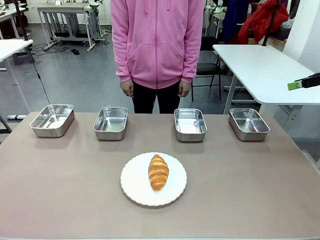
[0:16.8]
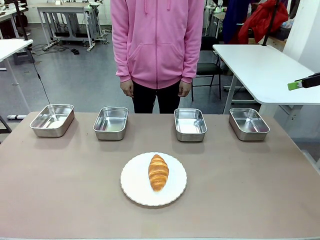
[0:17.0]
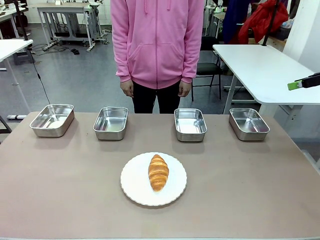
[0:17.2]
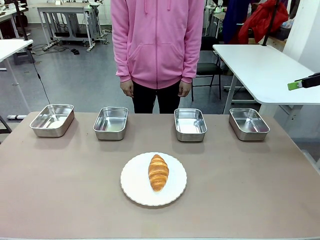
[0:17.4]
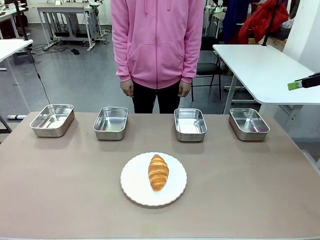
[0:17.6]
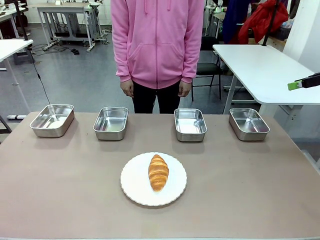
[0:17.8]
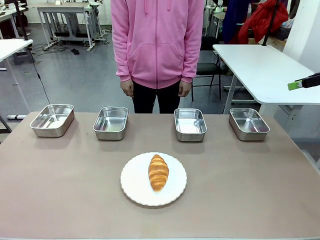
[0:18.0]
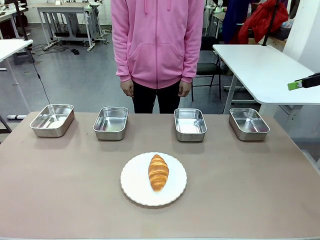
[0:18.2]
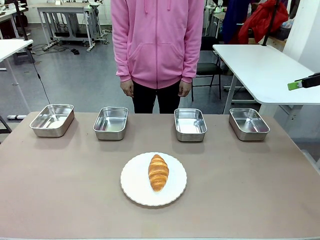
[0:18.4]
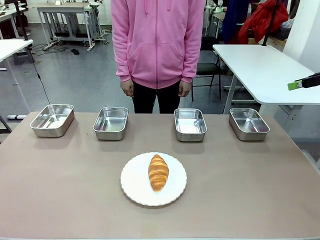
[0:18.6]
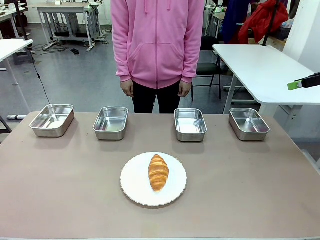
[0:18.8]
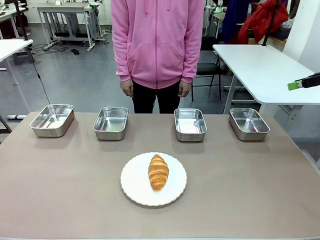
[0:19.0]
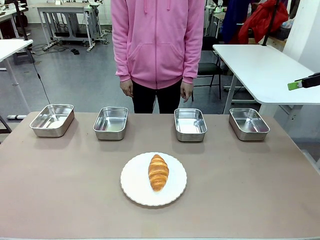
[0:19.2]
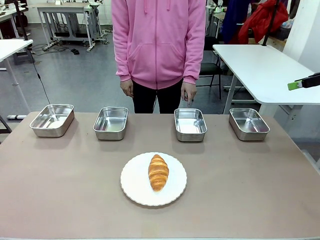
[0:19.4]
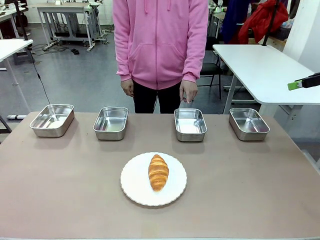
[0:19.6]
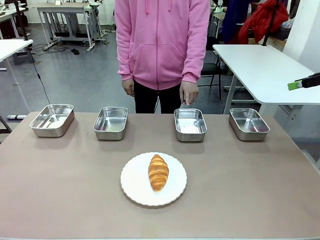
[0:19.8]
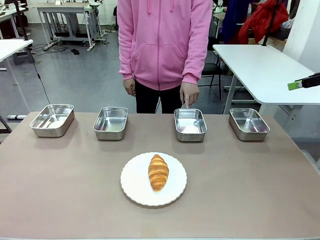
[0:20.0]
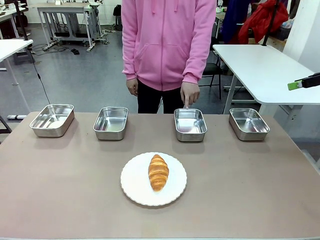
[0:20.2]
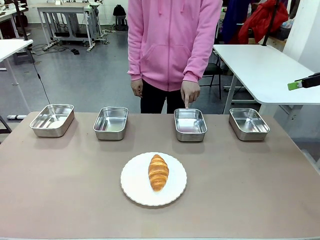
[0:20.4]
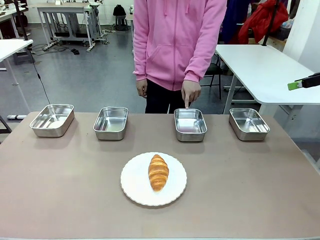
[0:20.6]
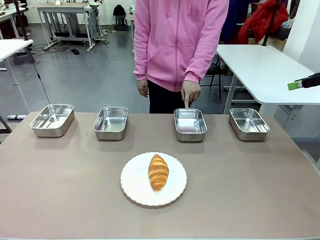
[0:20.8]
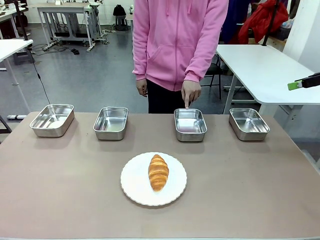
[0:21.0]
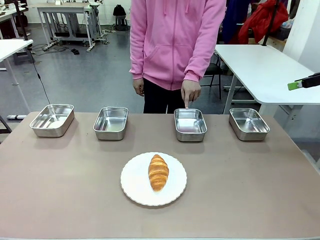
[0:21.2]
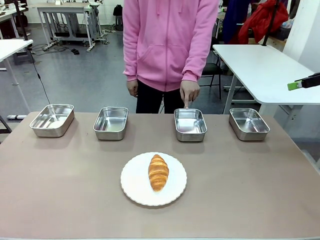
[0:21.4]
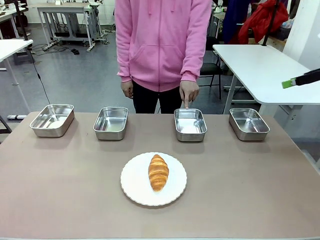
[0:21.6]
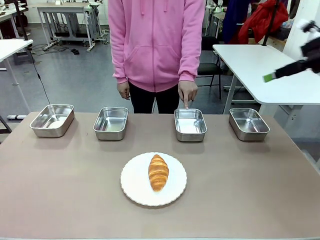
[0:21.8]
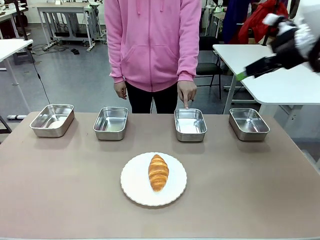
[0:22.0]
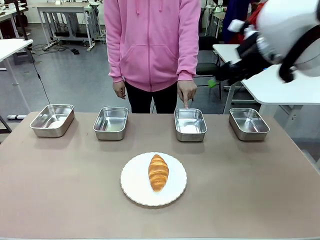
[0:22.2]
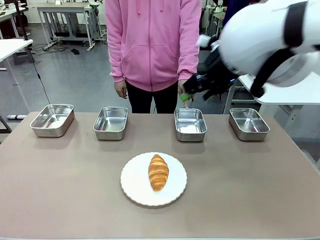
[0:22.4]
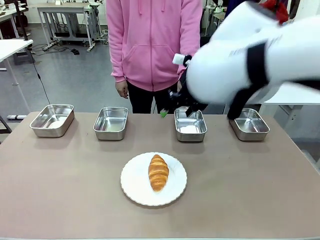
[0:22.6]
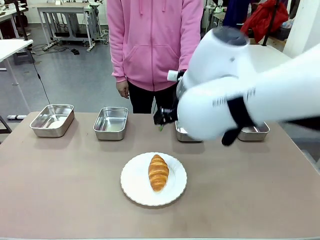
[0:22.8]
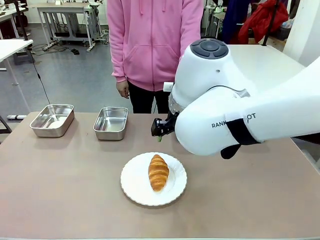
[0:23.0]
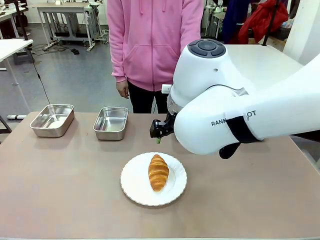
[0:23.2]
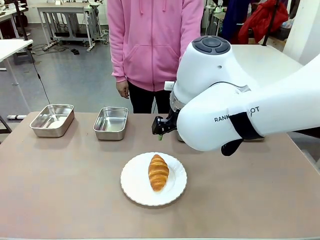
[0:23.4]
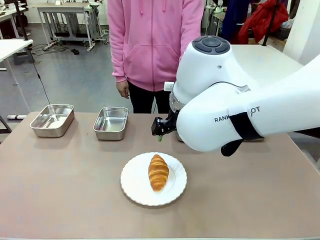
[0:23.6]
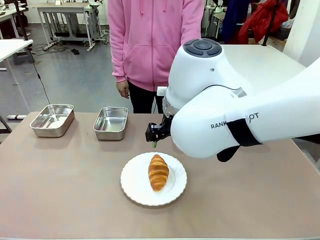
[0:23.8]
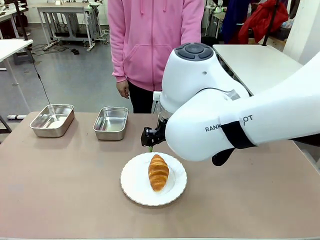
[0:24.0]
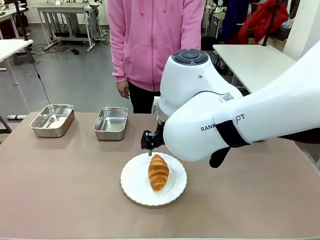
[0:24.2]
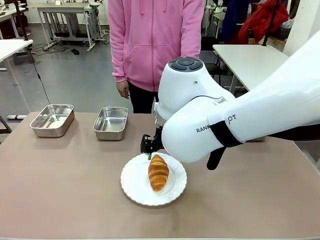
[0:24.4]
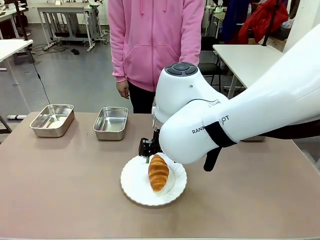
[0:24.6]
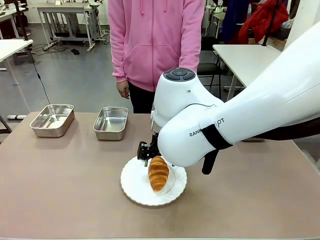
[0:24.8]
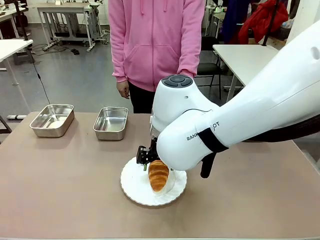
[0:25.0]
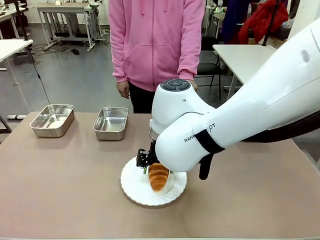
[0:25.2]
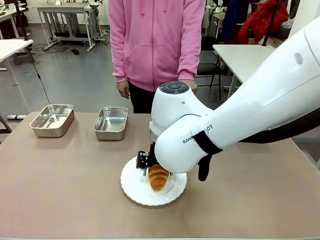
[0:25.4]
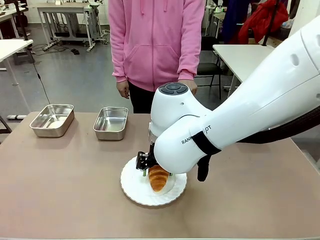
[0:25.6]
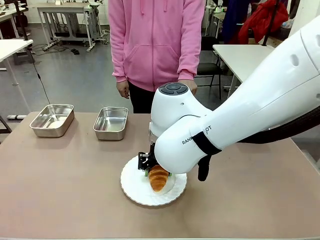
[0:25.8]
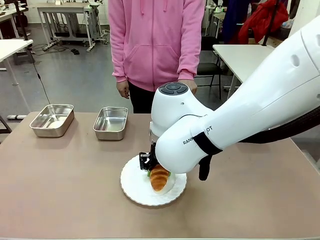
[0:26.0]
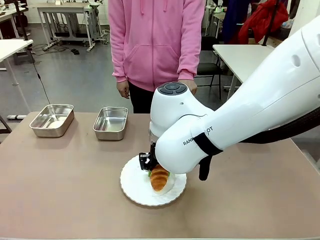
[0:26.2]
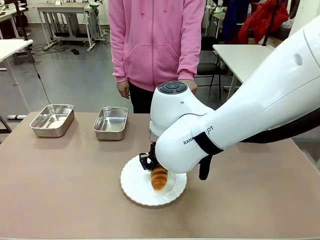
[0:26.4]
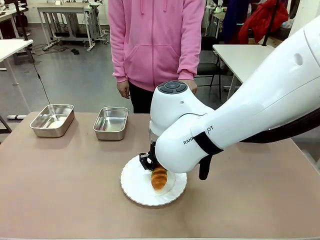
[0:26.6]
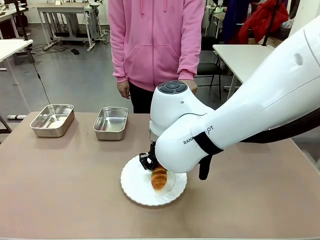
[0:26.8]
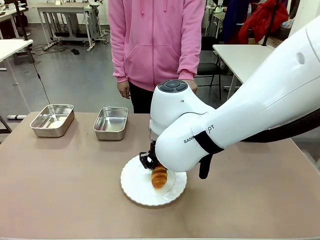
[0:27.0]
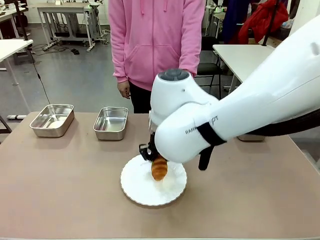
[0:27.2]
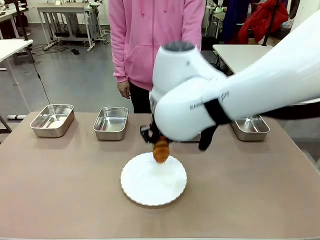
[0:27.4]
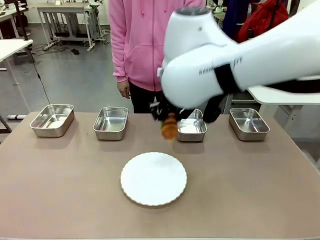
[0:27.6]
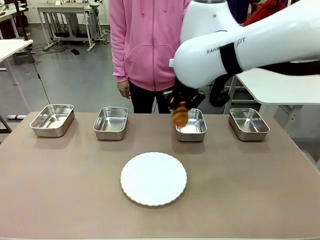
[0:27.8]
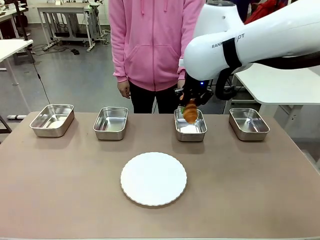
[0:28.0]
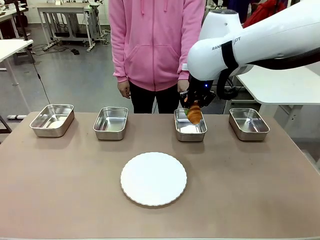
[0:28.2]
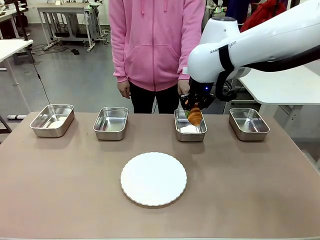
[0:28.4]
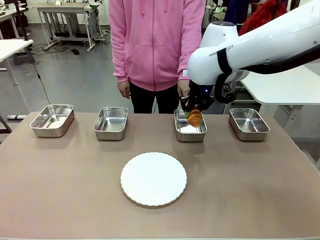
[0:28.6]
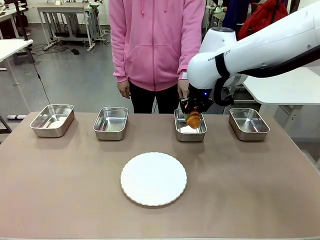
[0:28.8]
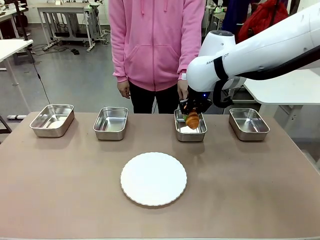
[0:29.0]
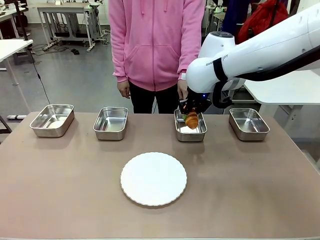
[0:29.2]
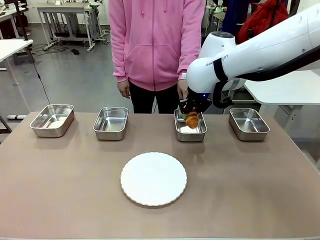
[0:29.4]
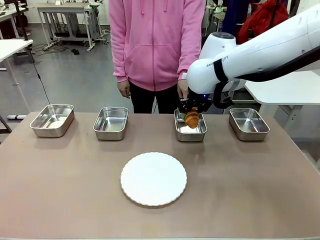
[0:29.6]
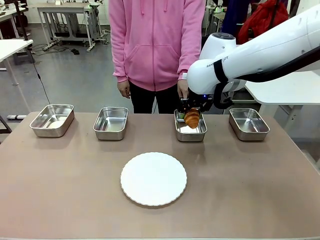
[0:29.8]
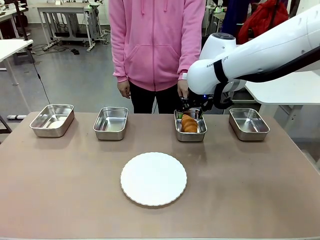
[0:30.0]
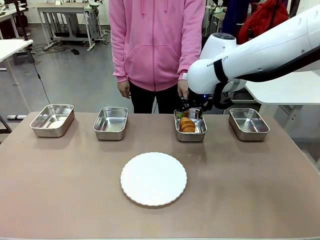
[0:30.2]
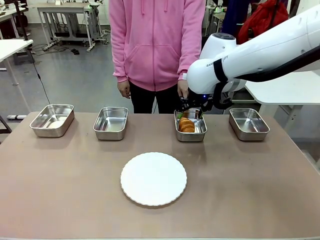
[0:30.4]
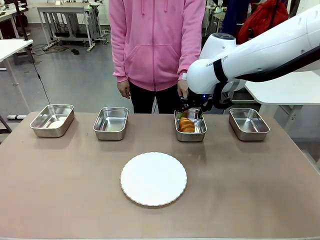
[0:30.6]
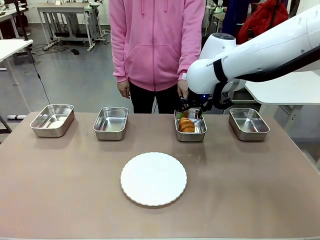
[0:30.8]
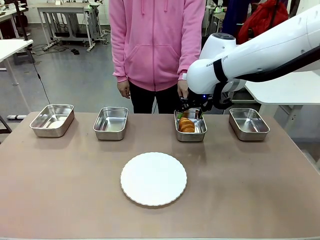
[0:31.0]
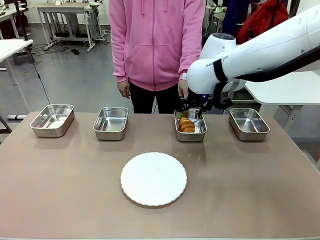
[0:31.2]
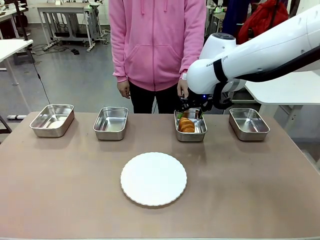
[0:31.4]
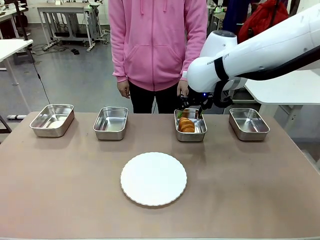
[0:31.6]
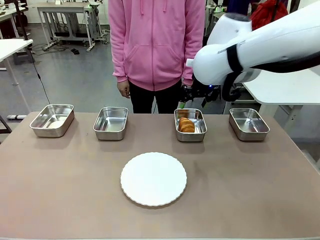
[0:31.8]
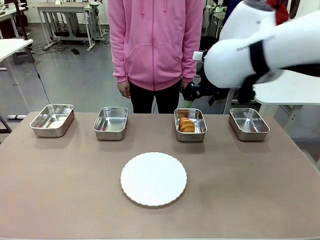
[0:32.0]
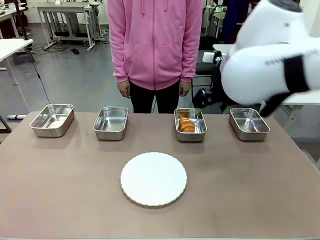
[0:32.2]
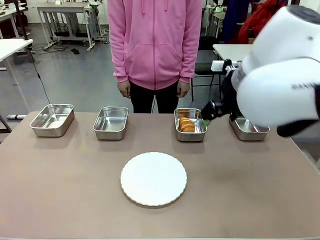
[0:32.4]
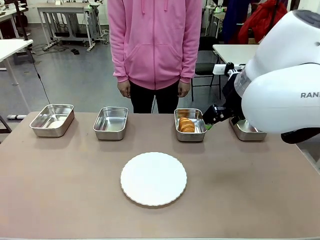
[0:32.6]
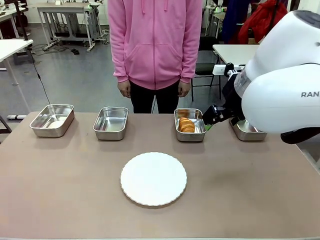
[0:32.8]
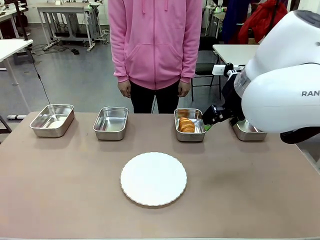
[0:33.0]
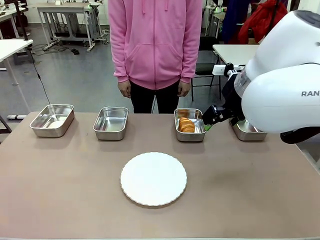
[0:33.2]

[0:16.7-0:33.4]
Task: Place the bread in the container.
Robot: Place the Butter Roll into the Airtight Container indicated by the human.
